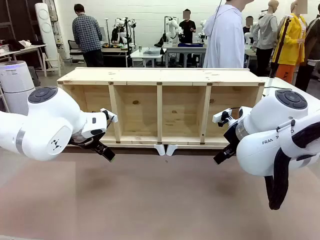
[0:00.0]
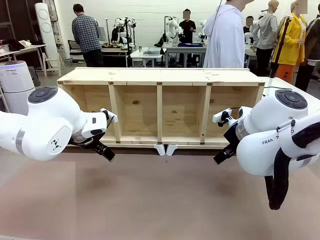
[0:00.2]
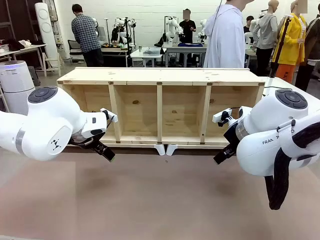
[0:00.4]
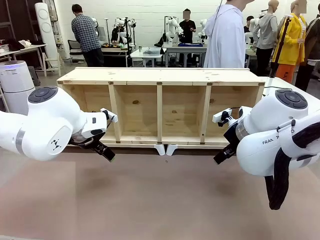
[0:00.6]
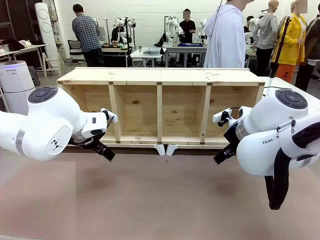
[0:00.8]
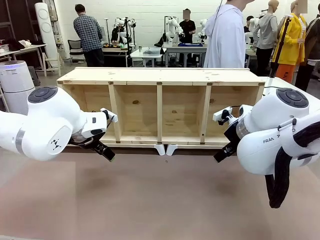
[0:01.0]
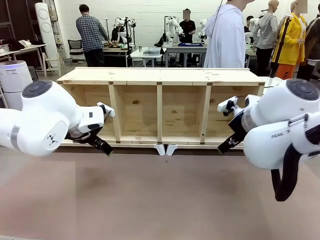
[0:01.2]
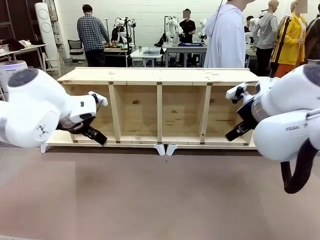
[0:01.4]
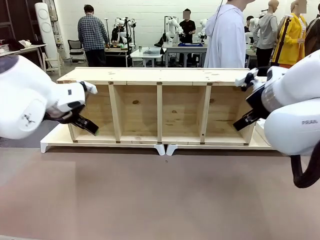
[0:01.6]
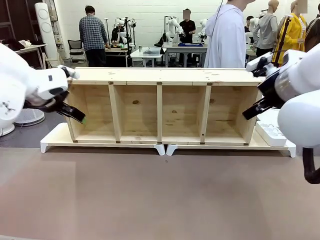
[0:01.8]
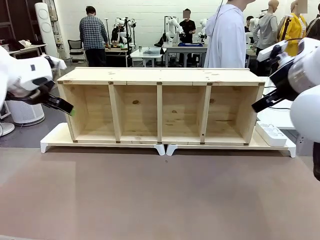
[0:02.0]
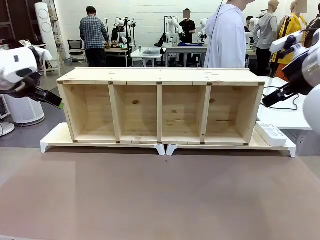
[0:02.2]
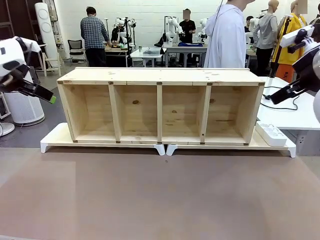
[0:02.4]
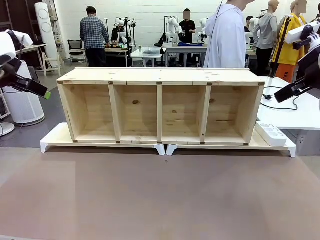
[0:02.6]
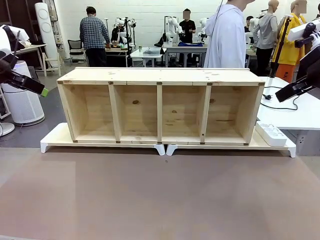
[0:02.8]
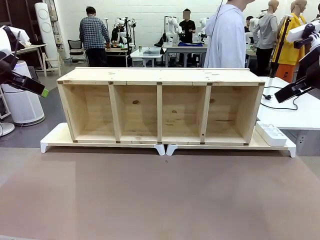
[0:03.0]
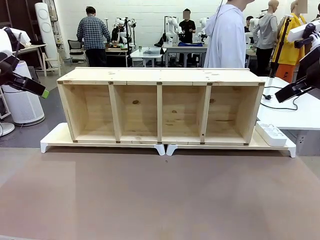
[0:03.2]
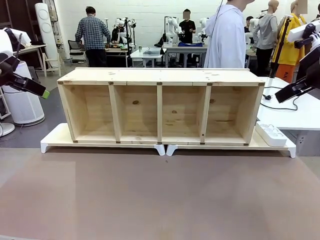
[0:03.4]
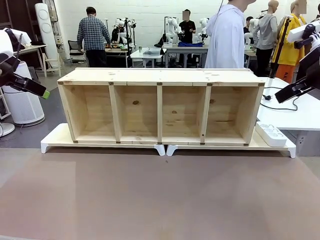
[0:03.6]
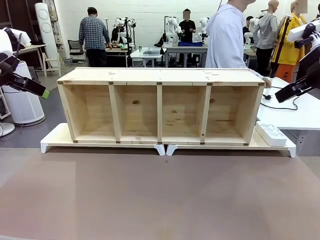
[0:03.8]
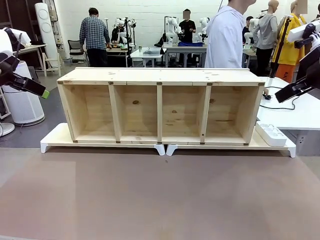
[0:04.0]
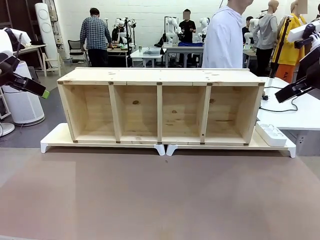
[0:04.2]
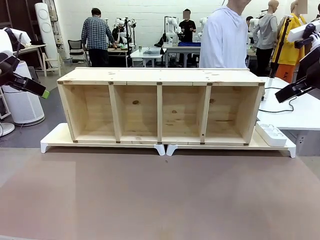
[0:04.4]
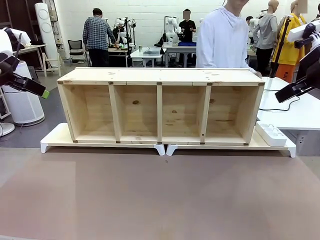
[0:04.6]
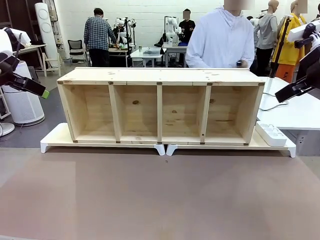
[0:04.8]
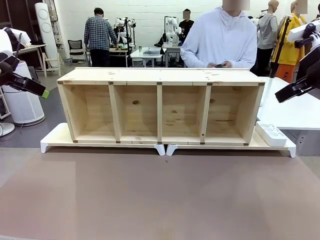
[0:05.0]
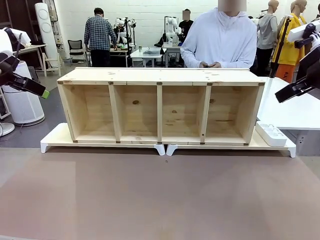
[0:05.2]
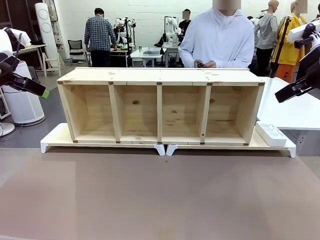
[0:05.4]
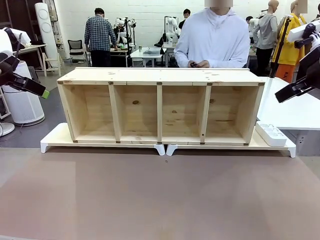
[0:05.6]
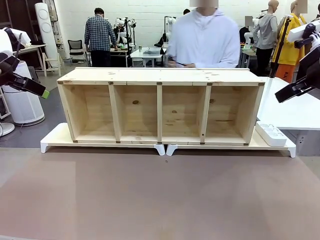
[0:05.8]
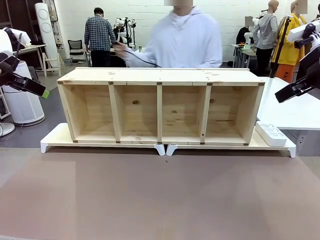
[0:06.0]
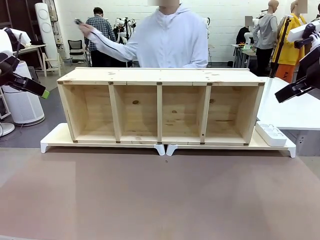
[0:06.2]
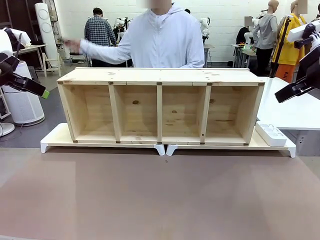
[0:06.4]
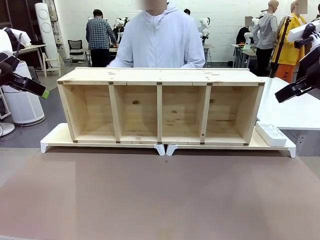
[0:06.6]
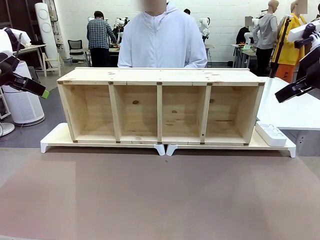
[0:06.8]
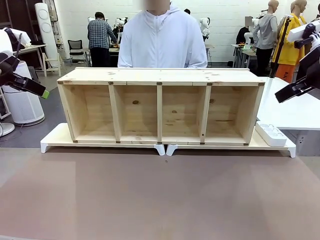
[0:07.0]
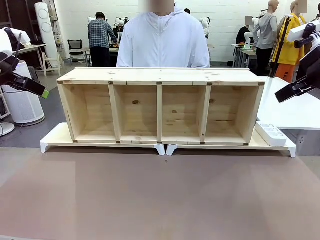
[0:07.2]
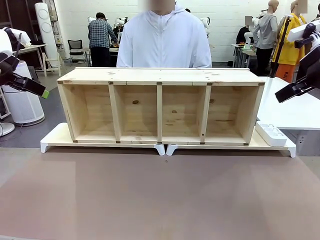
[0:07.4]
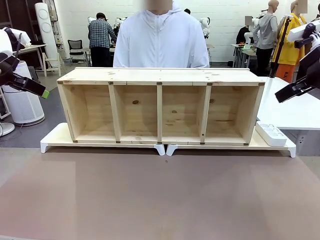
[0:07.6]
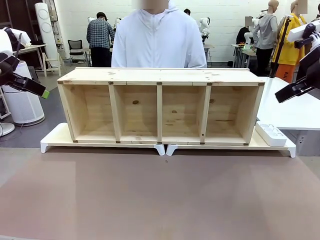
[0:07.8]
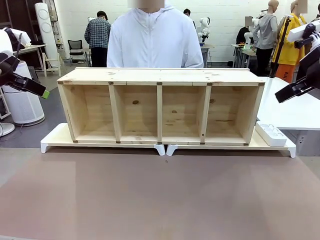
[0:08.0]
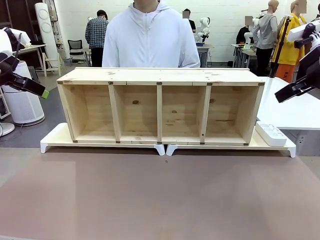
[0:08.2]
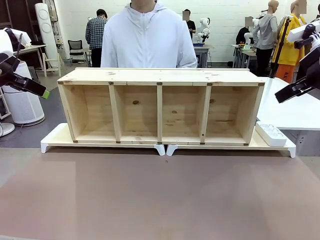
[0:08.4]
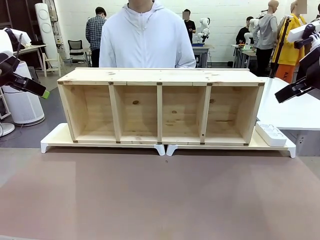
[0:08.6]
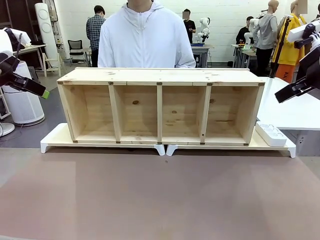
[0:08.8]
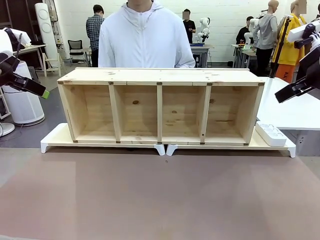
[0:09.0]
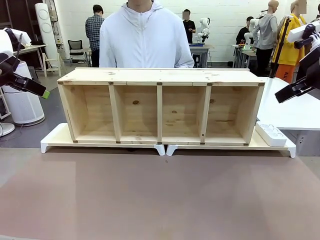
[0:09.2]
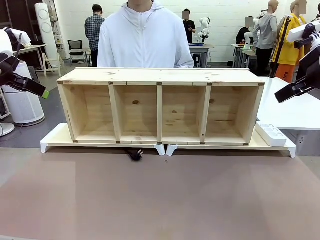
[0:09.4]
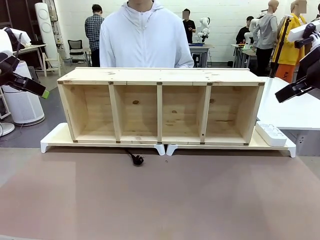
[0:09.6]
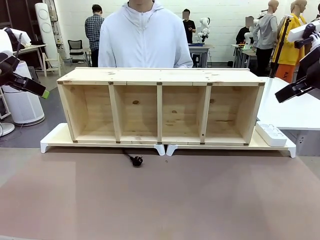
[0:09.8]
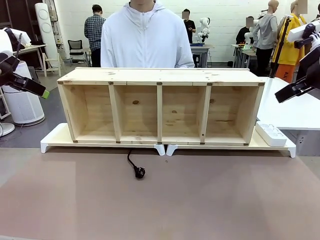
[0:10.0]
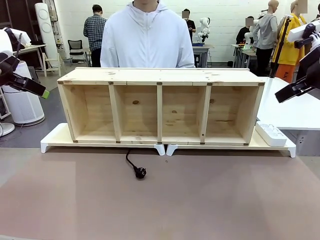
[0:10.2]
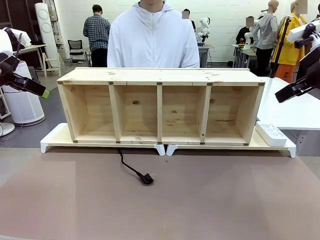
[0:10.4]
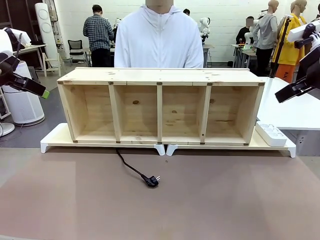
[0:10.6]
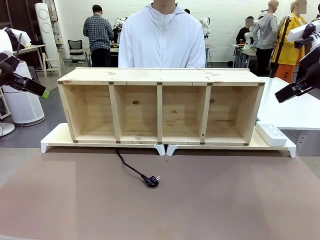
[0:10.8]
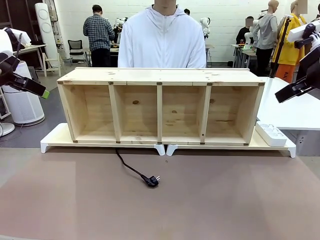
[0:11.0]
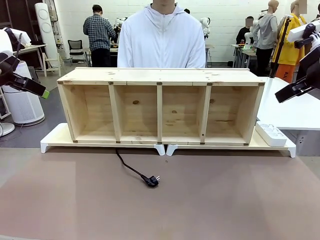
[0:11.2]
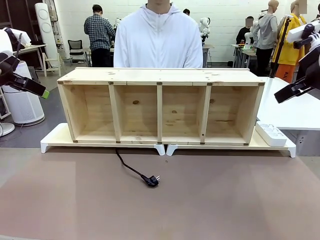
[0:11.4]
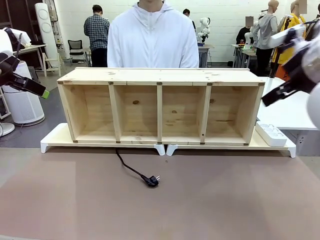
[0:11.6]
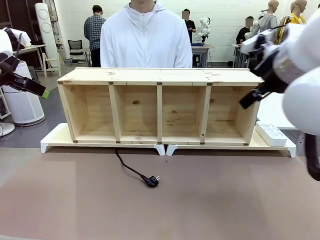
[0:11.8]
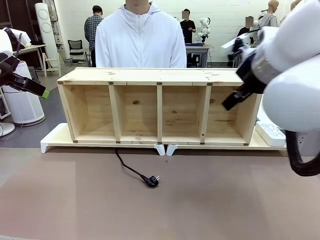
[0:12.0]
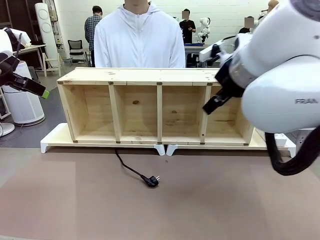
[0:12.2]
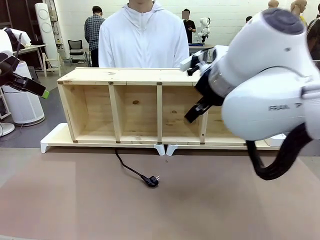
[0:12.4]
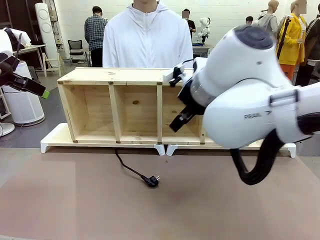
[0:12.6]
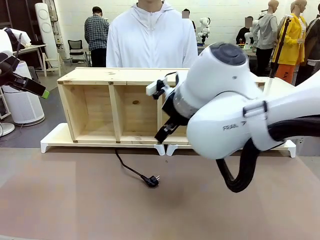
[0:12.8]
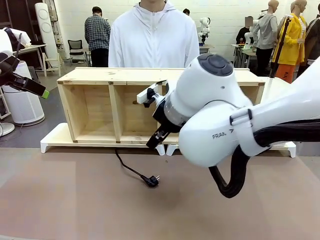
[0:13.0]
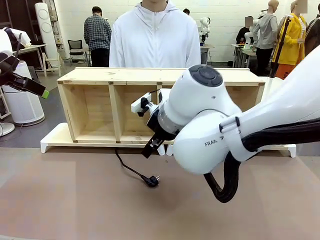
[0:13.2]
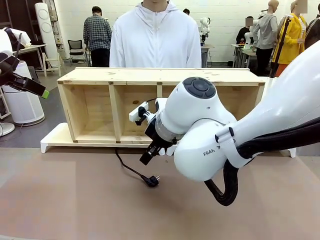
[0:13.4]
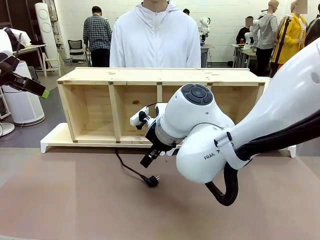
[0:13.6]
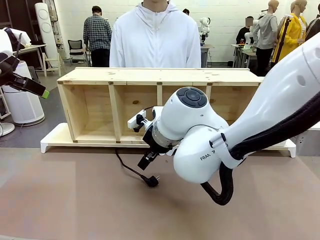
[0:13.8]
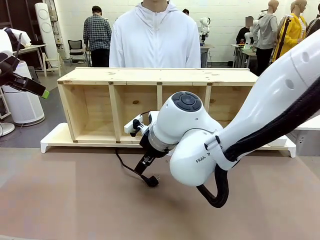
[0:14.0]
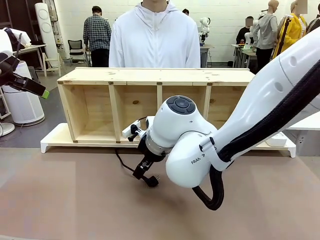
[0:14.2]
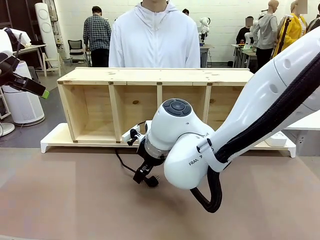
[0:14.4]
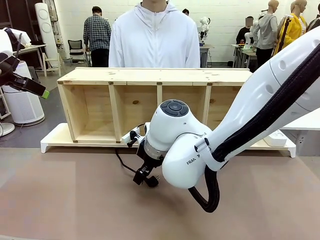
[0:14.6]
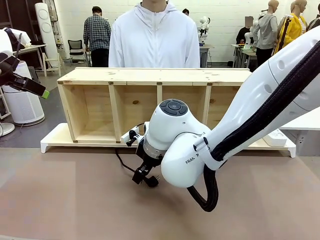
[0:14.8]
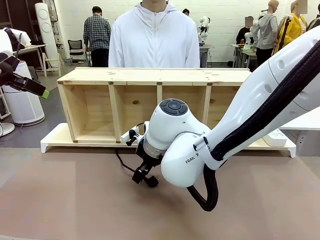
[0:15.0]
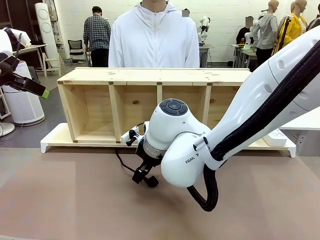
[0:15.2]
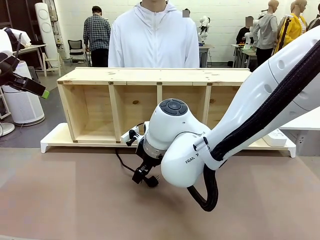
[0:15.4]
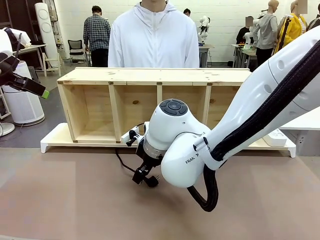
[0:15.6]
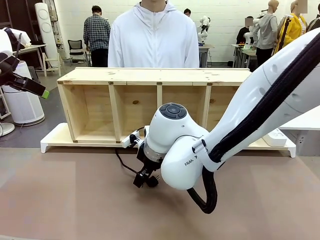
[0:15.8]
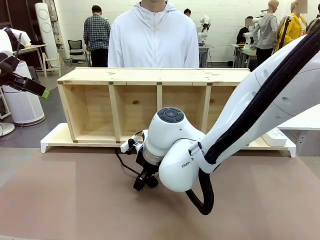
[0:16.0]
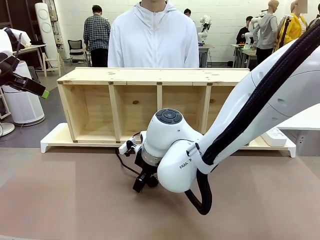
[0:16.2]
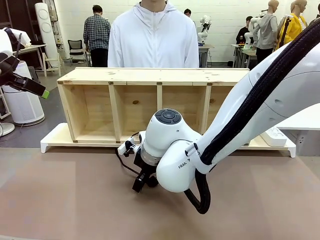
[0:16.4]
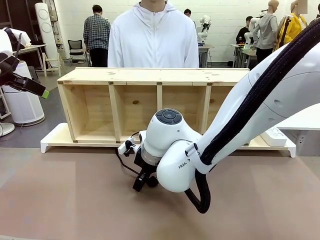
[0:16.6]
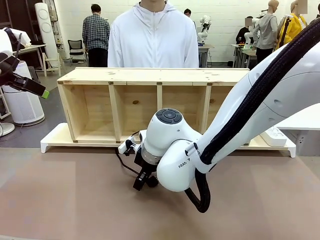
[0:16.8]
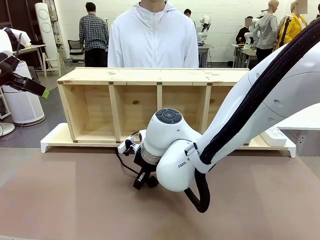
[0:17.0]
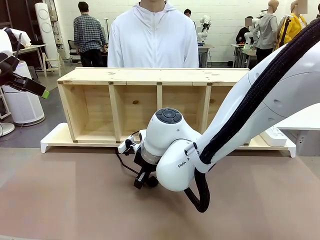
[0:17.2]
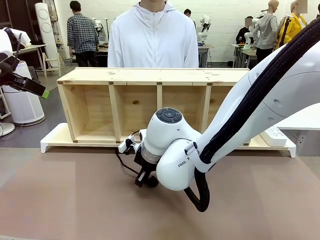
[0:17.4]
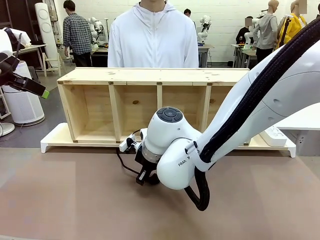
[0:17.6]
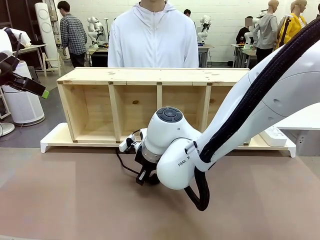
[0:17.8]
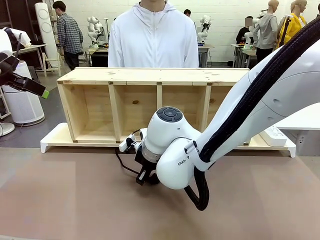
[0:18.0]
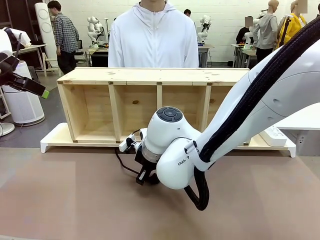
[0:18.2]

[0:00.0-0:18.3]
Task: Perform cable management.
Robot: When the cord part of the Power Cable appears at the lower middle area of the table and stops, grasp the cord part of the Power Cable.
Person: Pass the Power Cable under the Serving Table.

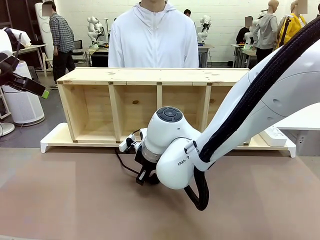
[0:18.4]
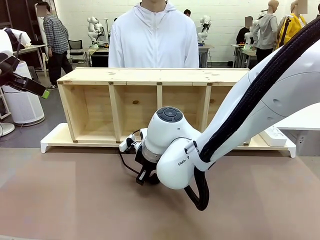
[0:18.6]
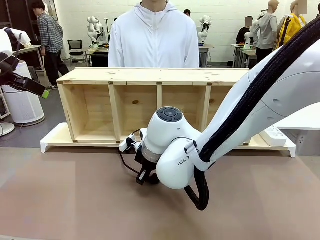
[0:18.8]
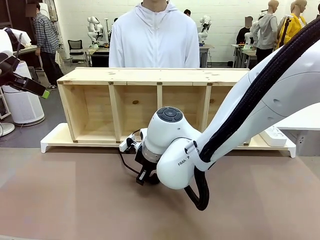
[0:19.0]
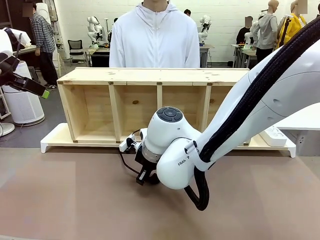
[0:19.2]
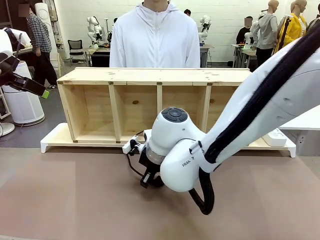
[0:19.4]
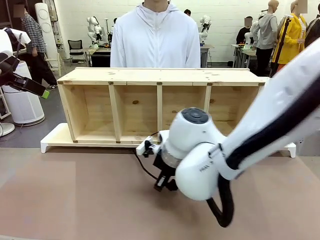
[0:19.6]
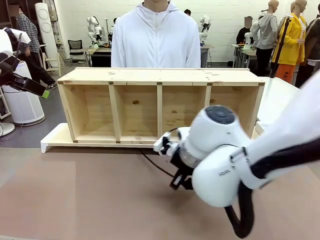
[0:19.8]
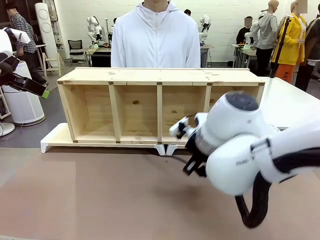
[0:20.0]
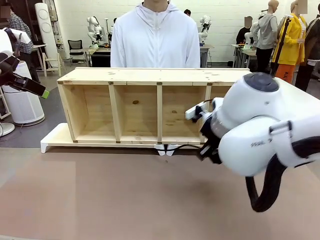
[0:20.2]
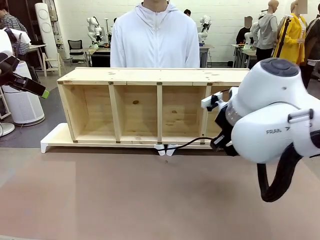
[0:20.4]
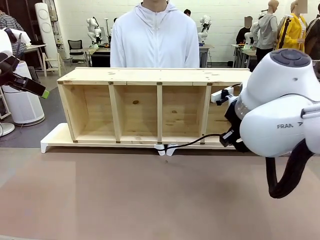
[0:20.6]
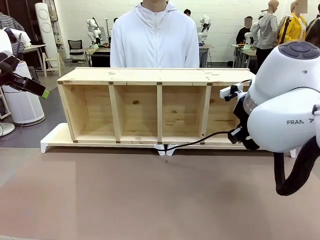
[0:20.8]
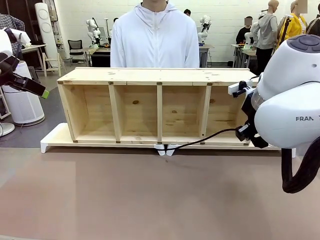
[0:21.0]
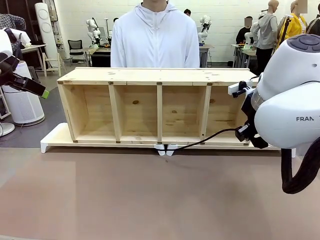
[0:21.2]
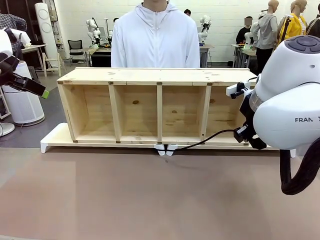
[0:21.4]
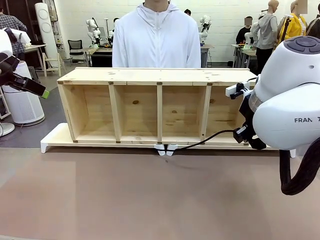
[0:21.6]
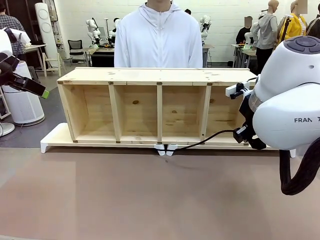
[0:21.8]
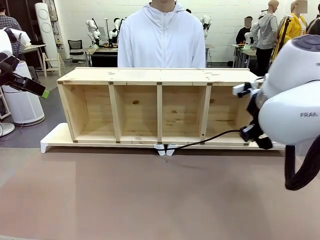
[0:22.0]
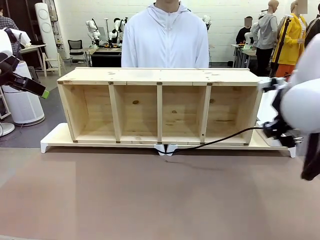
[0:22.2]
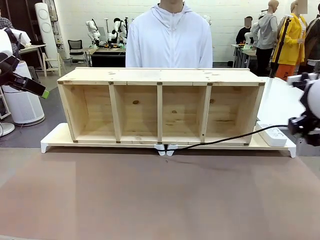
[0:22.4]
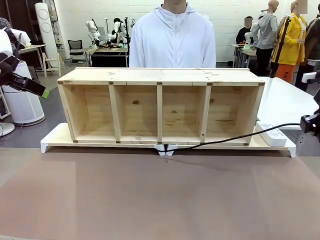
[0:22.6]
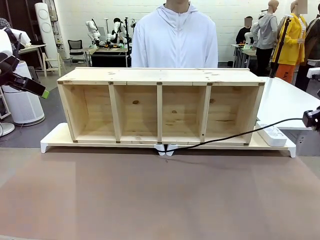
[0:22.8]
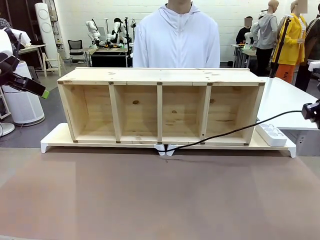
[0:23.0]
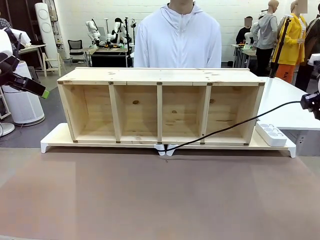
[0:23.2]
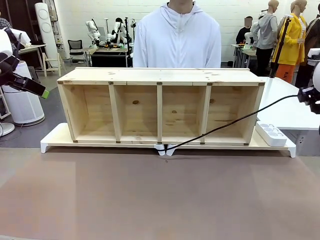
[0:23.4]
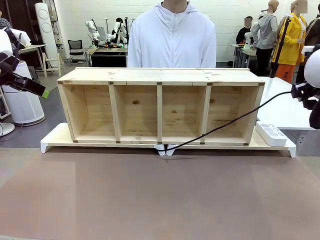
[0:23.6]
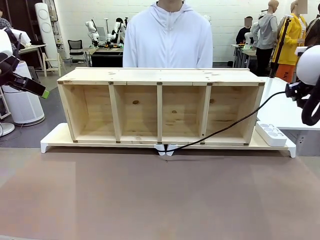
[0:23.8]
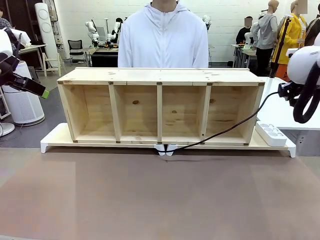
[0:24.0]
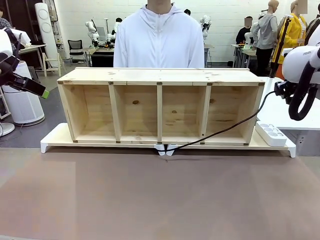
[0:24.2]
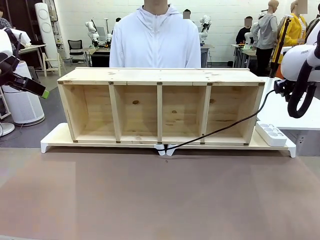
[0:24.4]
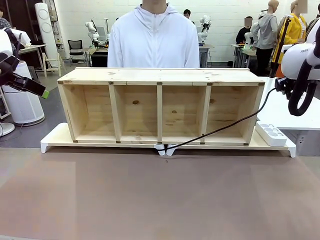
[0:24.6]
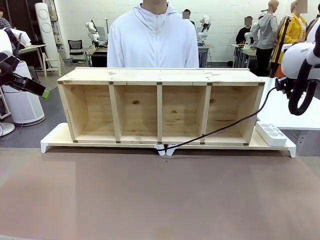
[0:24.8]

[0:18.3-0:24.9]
Robot: Pull the grasped Power Cable to the location of the Power Strip.
